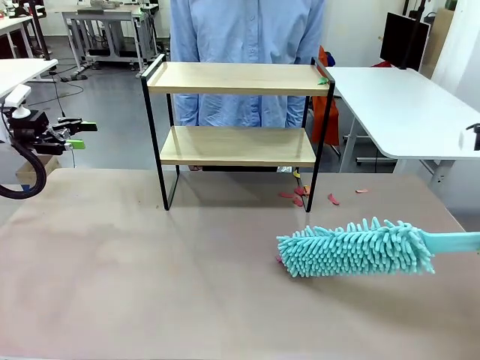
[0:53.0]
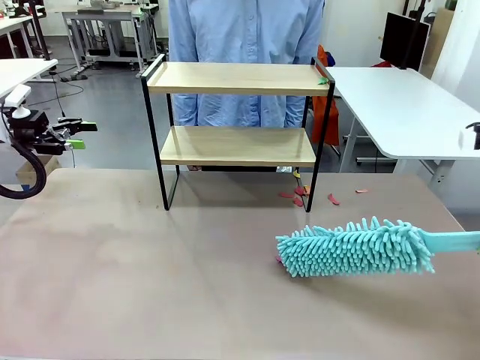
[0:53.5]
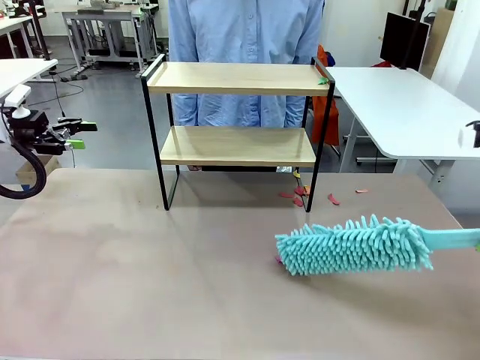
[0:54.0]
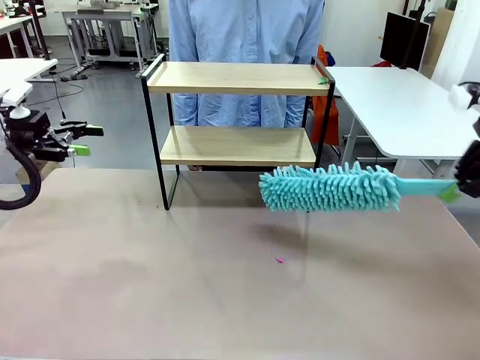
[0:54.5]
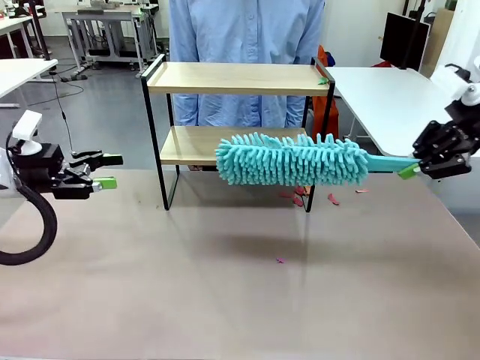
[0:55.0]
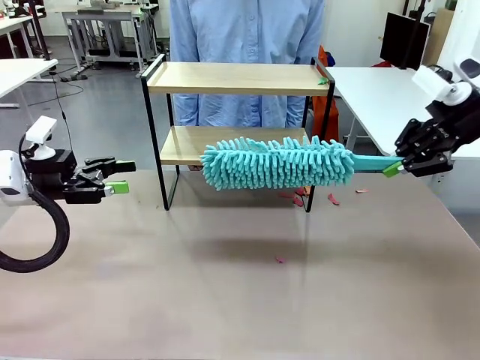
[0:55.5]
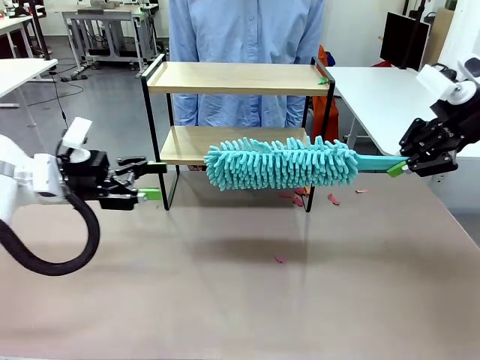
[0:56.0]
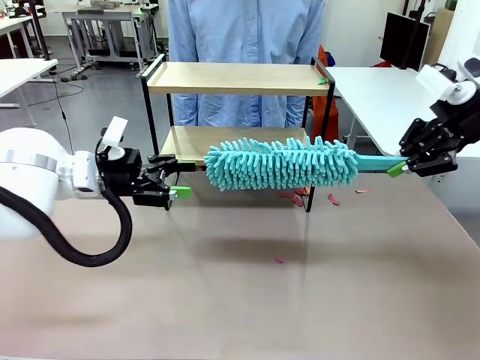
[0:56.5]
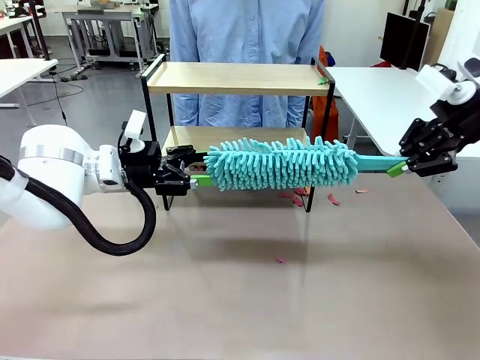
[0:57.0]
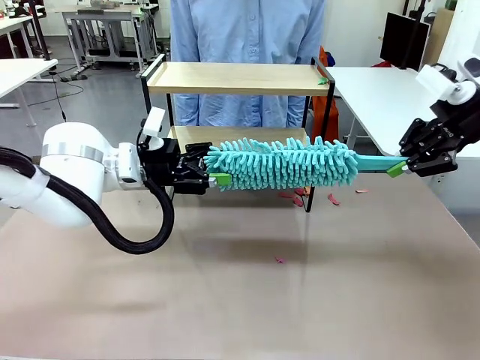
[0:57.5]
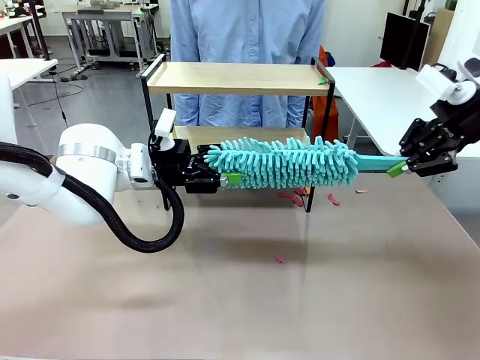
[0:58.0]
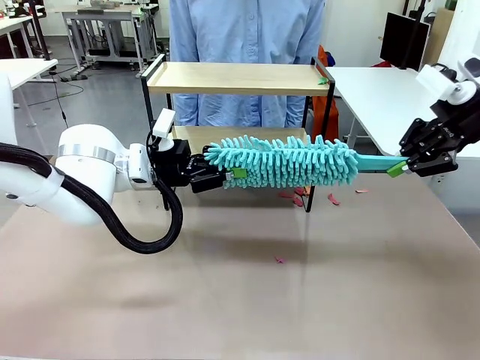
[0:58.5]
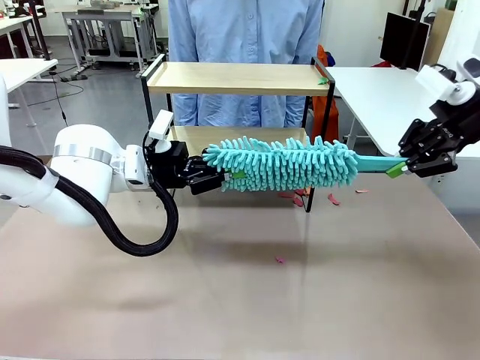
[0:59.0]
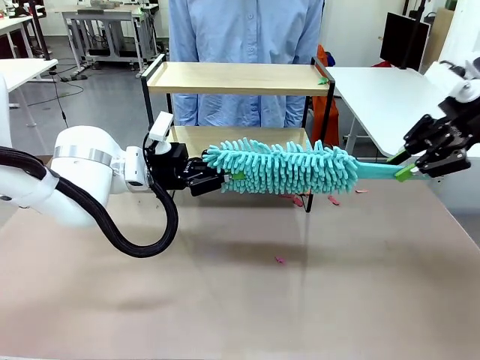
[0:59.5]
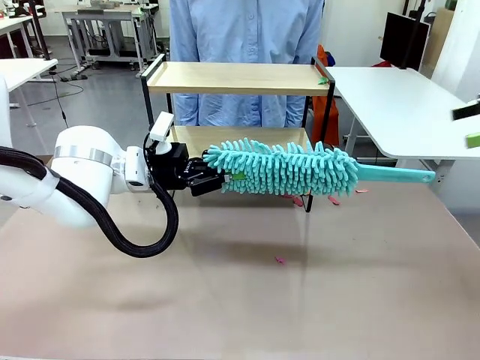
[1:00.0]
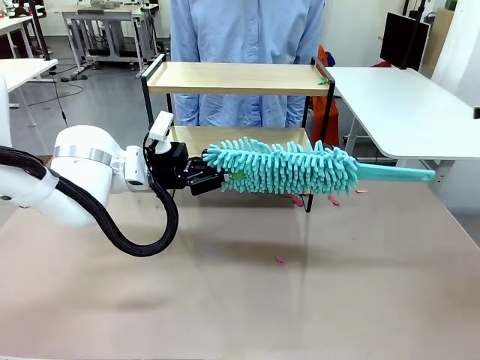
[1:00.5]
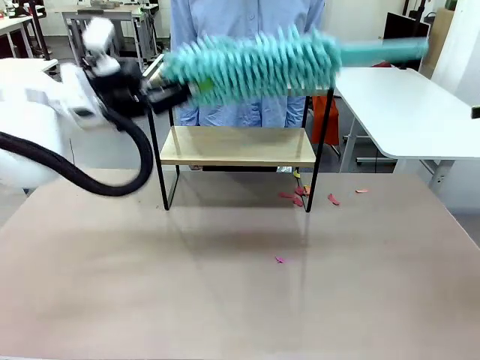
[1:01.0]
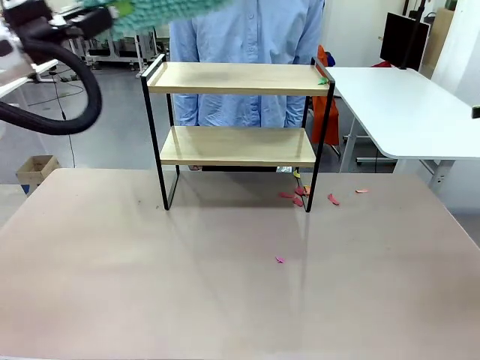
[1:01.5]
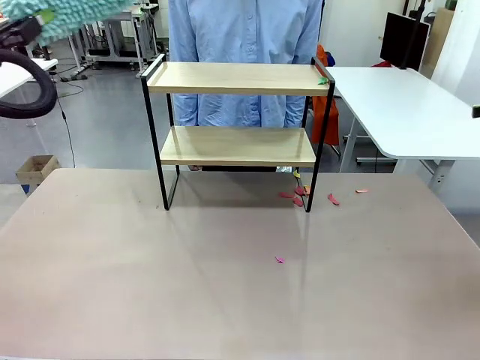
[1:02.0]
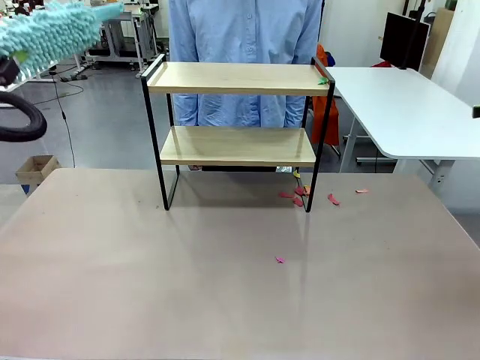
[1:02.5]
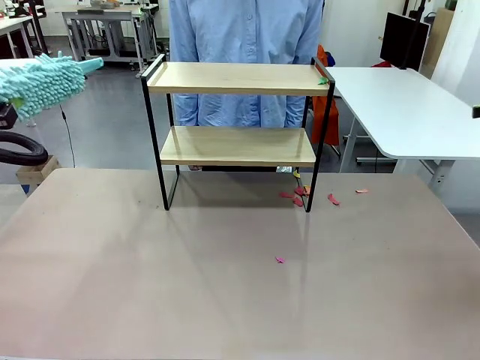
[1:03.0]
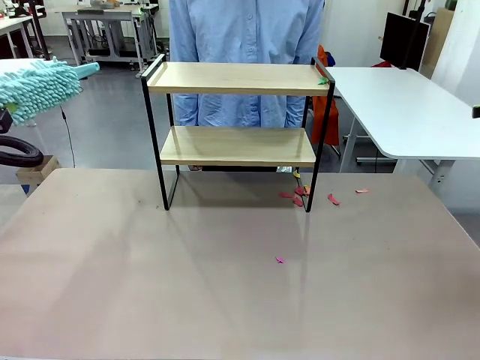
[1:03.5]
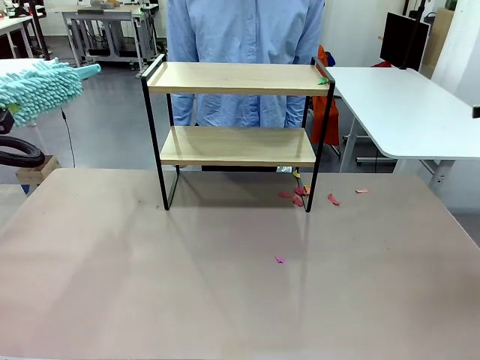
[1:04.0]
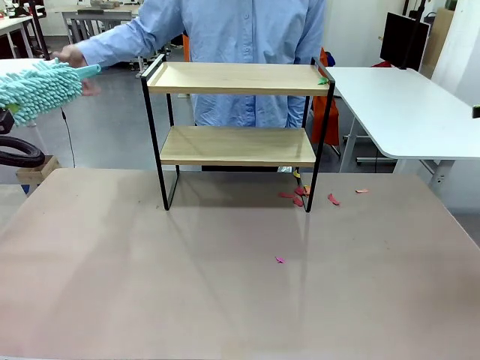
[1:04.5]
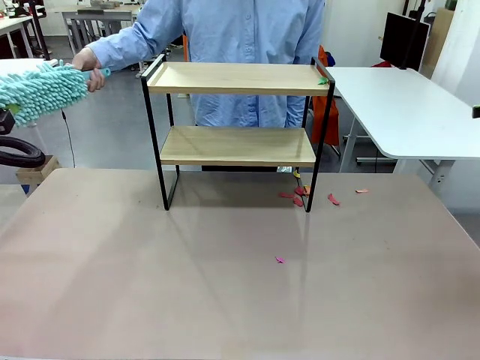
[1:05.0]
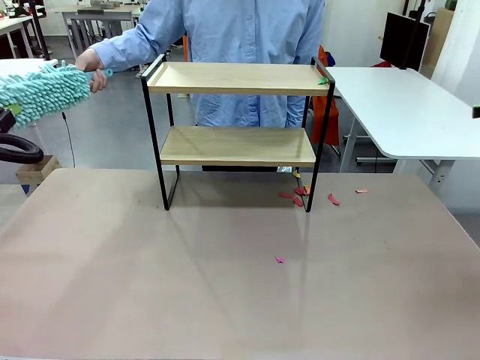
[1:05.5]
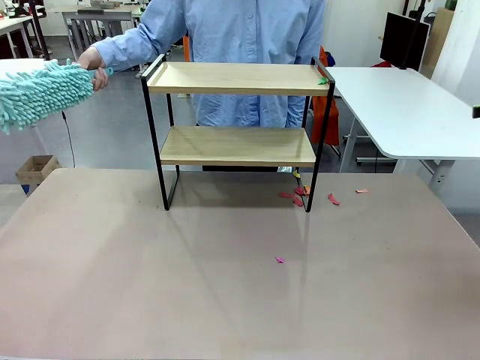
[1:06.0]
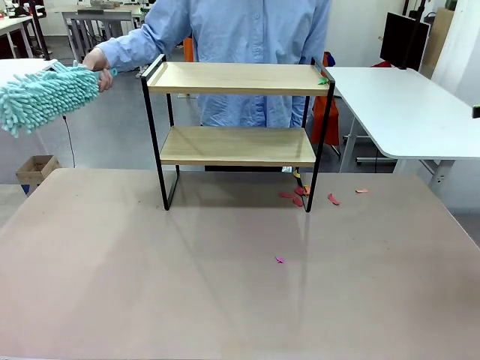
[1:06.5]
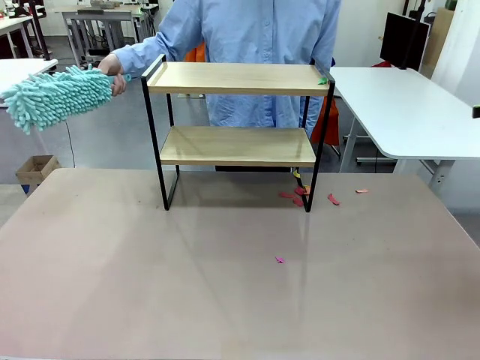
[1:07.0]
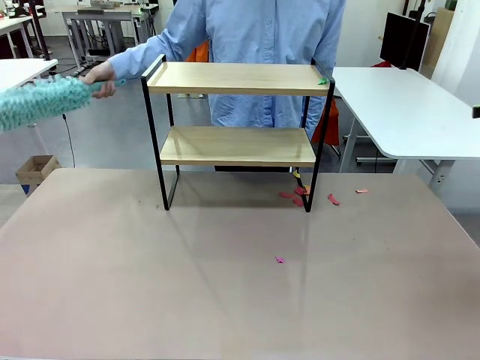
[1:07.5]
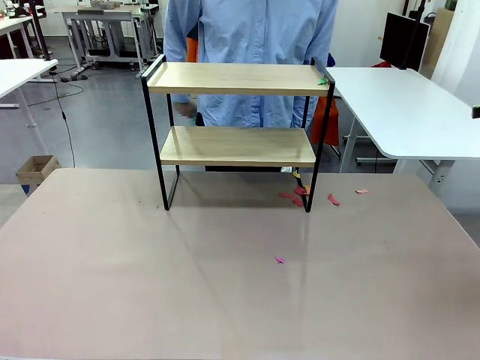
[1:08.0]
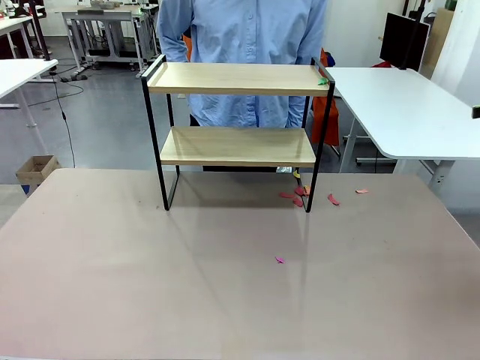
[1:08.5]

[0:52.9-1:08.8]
Task: Clean the shelf.
Robot: Hand the Duster back to the human.
Person: Receive the Duster from the robot.
